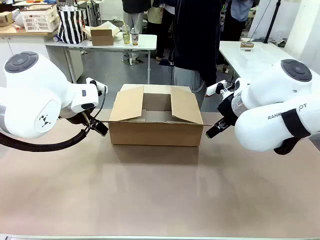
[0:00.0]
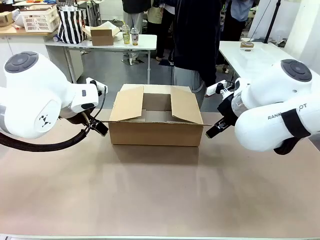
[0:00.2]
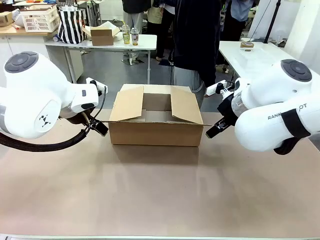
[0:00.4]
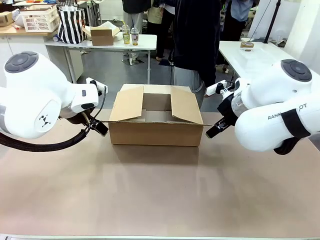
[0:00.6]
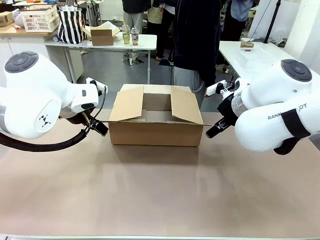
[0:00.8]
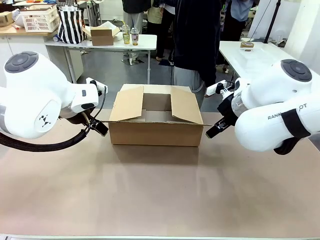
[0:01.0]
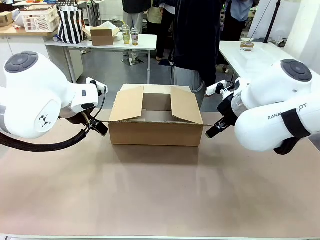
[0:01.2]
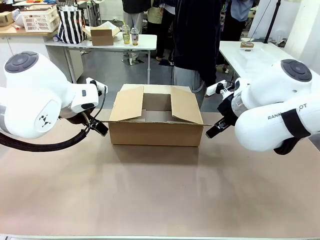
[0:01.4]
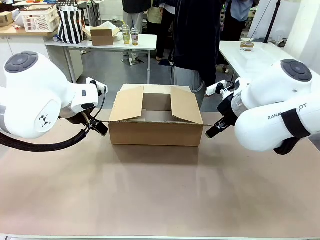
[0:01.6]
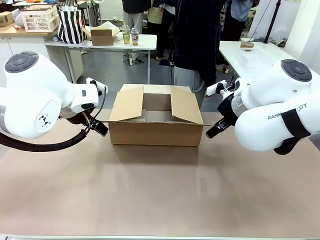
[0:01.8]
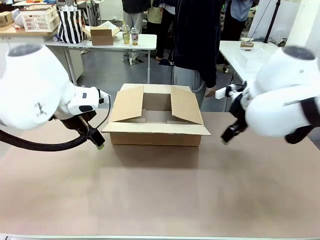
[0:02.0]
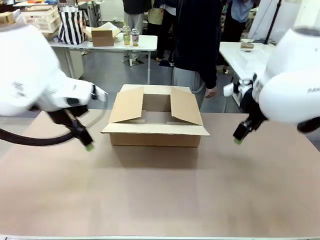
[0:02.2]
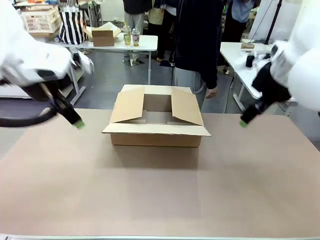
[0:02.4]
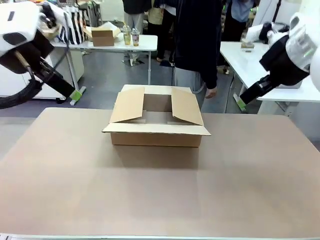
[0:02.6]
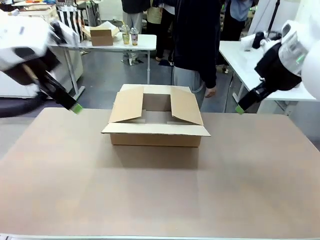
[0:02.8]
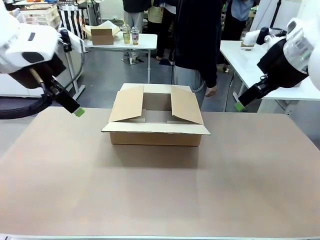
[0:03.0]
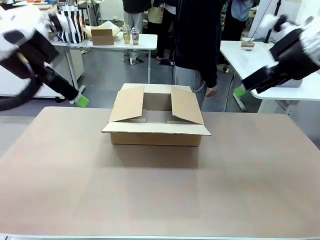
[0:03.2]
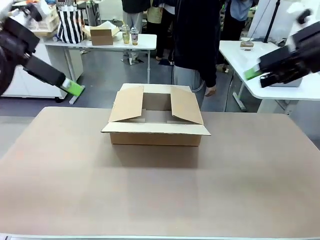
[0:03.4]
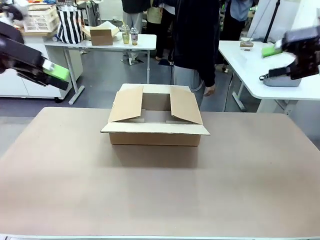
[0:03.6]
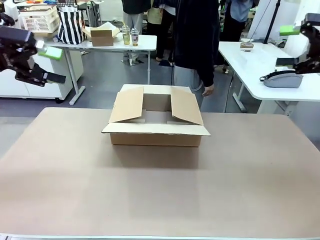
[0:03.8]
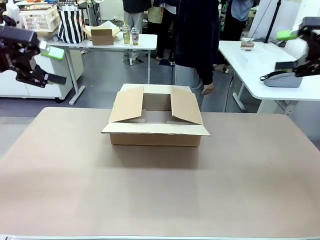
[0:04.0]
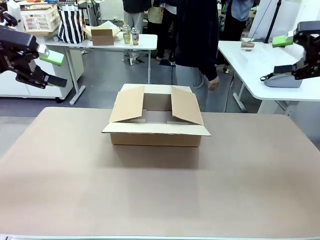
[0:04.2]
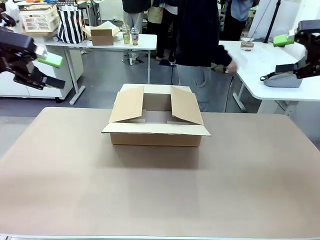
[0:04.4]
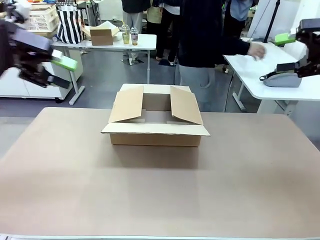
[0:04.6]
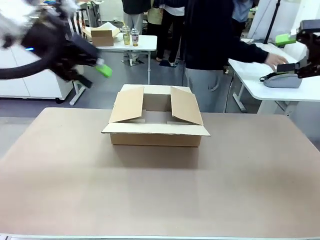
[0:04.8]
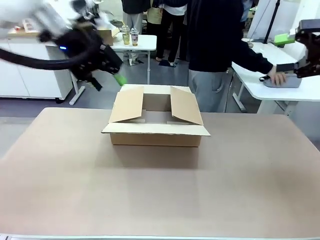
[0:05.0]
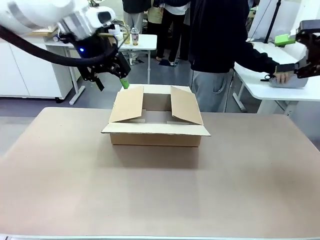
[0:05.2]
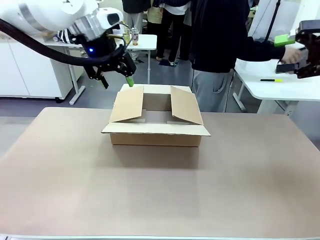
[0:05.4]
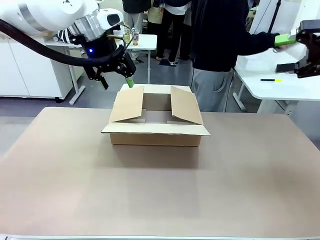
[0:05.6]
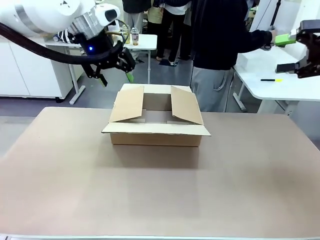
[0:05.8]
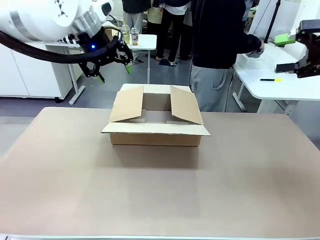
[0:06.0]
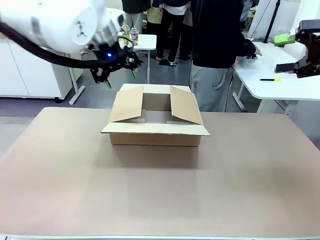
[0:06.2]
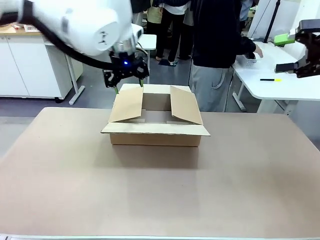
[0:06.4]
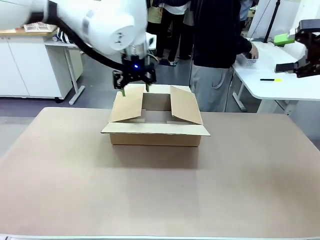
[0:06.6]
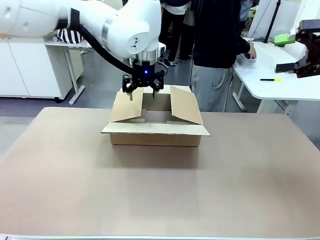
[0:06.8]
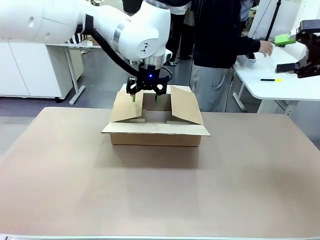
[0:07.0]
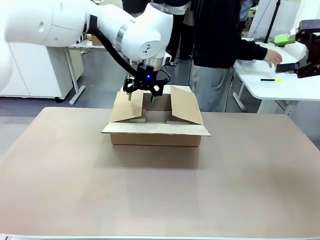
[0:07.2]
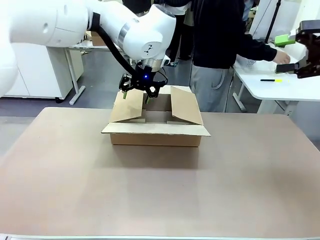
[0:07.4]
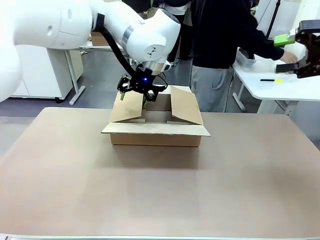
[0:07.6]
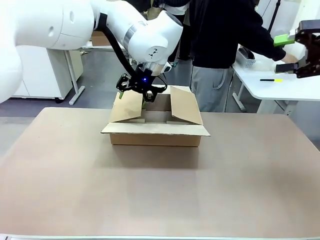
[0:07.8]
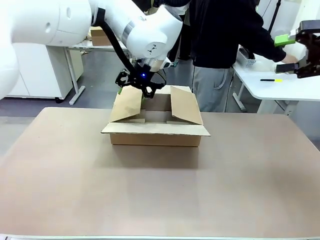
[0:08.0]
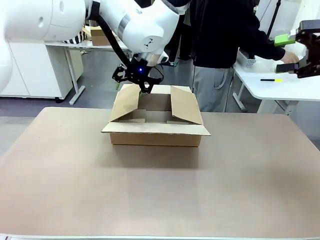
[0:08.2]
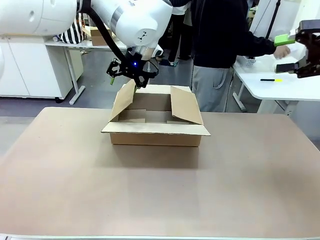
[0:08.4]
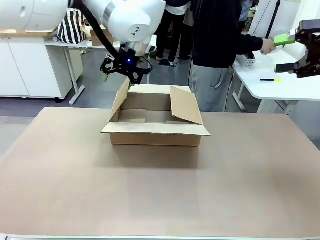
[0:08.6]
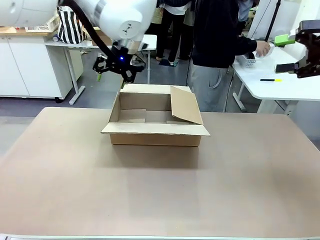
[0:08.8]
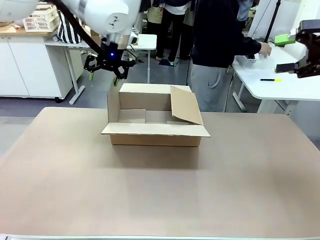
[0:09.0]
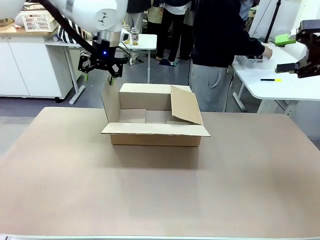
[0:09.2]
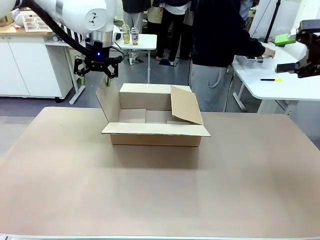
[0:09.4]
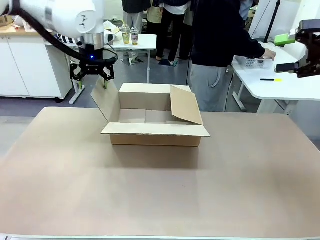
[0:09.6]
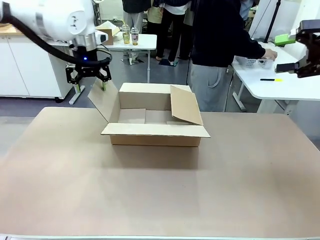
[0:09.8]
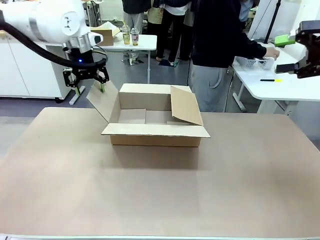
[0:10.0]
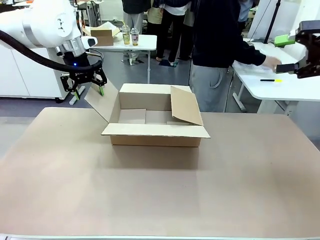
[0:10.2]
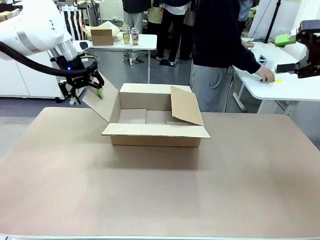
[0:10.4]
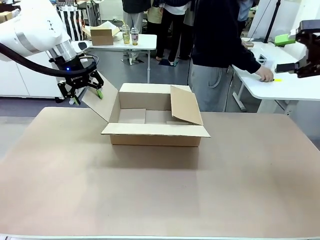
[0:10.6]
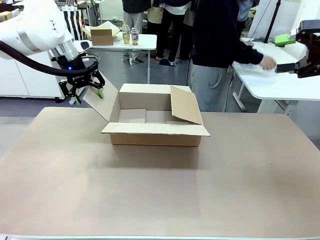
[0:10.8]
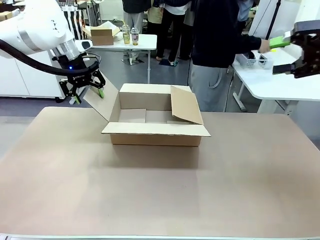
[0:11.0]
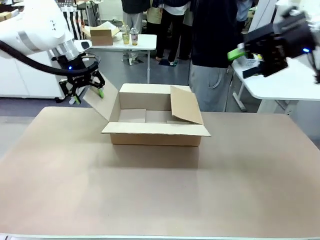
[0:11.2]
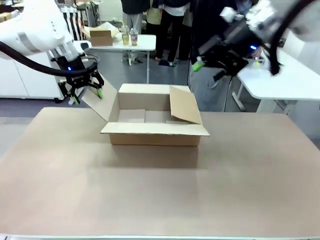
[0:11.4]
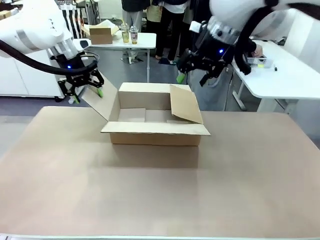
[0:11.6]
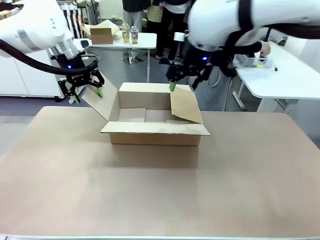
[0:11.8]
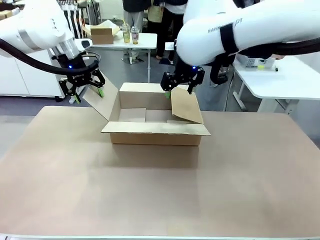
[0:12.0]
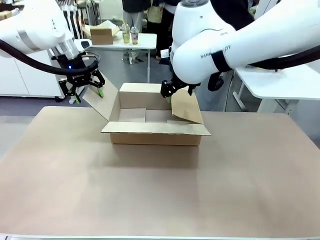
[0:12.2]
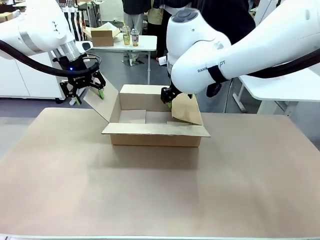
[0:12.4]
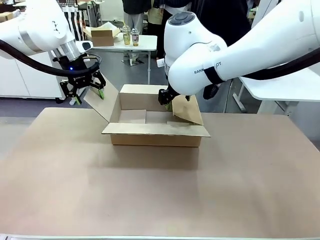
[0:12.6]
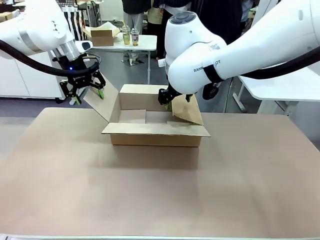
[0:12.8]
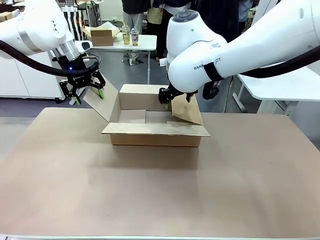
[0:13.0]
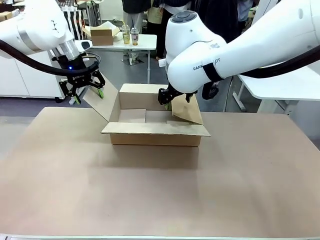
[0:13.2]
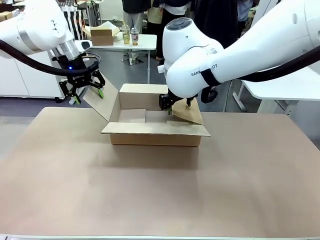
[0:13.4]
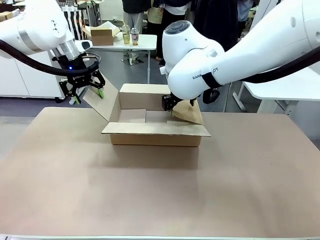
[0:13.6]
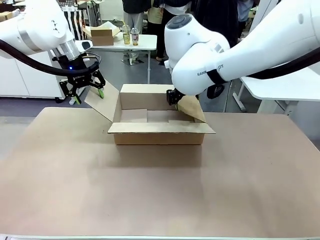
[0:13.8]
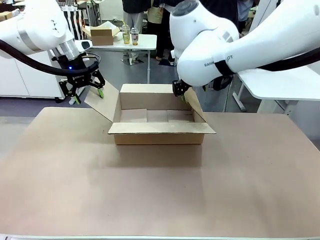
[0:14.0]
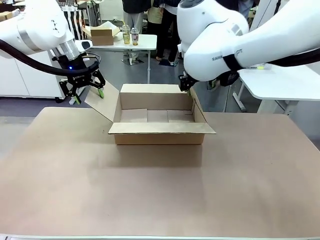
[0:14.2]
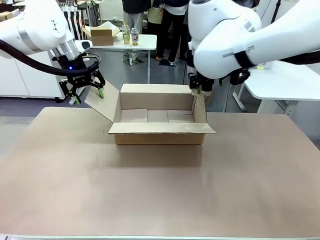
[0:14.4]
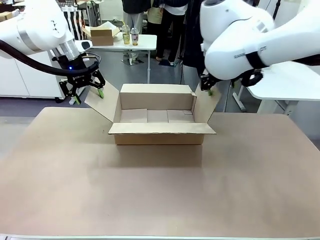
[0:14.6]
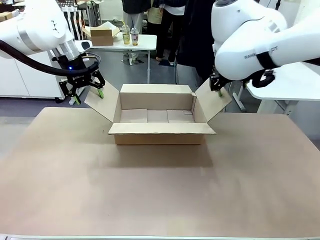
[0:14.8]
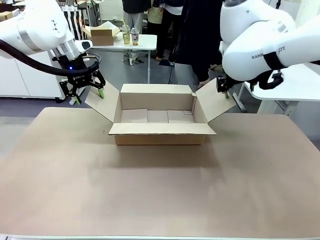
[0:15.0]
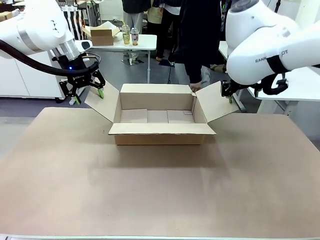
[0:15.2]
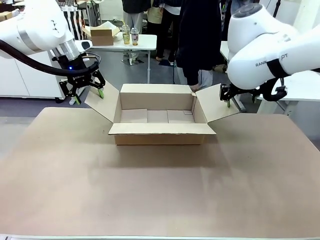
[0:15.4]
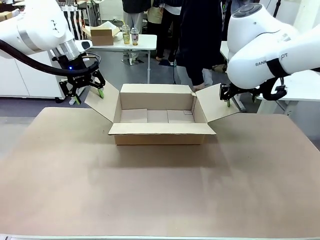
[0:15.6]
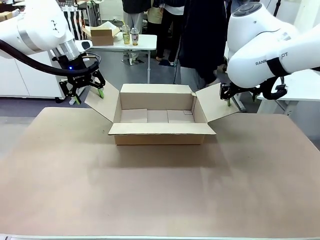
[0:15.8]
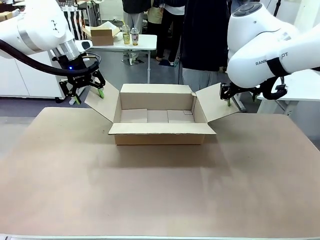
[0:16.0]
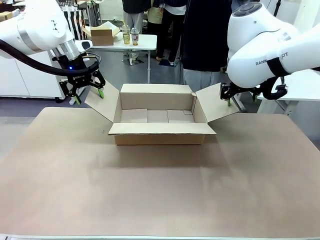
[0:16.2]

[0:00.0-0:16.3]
Task: Pack the gift set into the box.
Robot: Place both hands on the side flaps of the Package Box and spread them outward.
Person: The human places all items except the paper tape into the organizing basket.

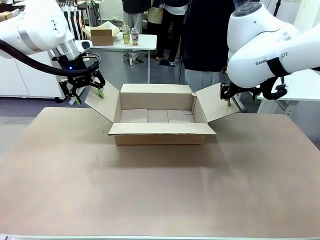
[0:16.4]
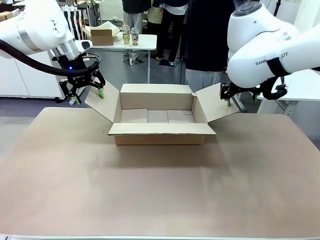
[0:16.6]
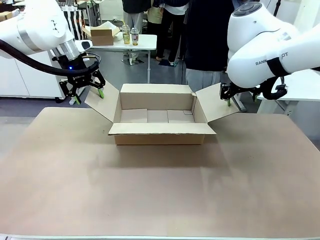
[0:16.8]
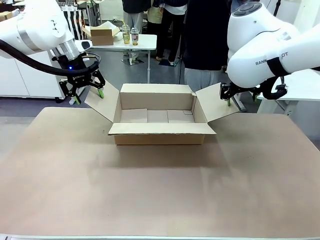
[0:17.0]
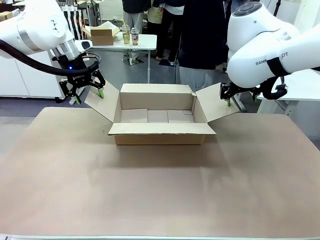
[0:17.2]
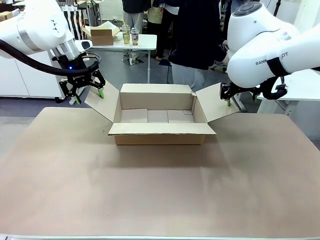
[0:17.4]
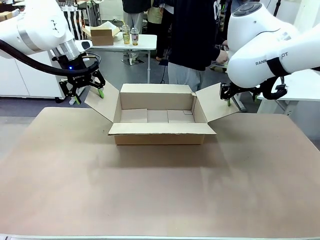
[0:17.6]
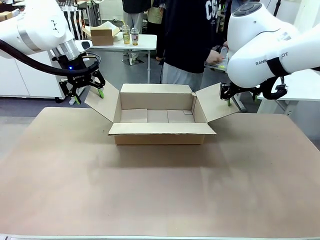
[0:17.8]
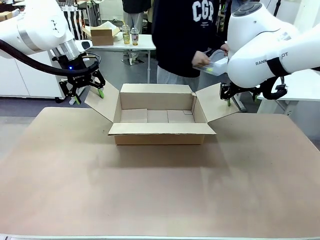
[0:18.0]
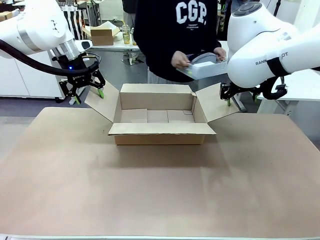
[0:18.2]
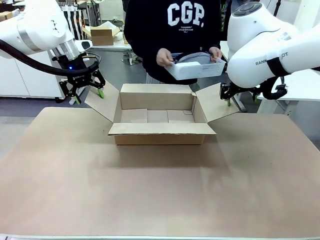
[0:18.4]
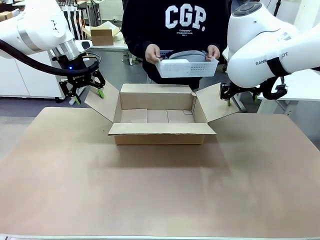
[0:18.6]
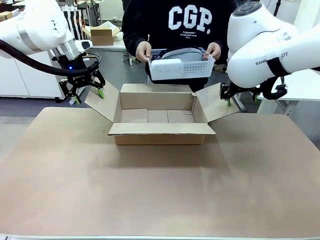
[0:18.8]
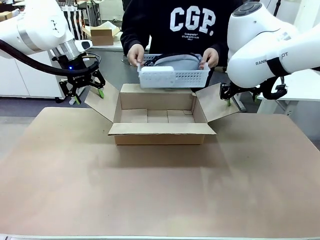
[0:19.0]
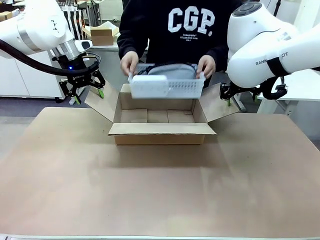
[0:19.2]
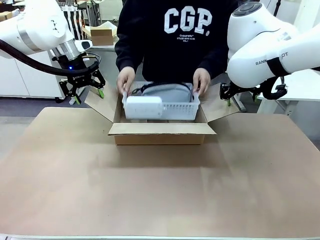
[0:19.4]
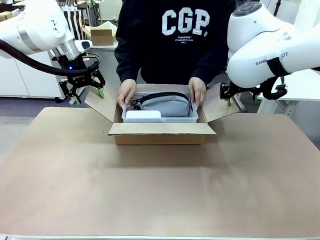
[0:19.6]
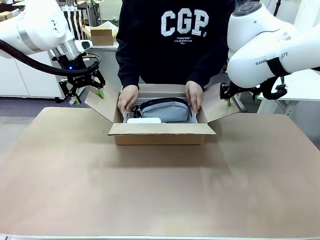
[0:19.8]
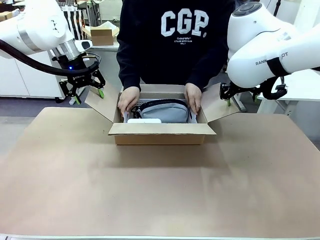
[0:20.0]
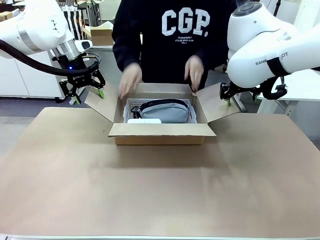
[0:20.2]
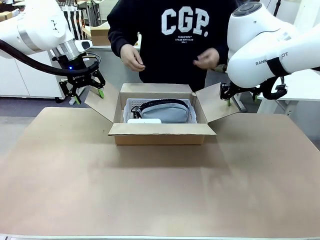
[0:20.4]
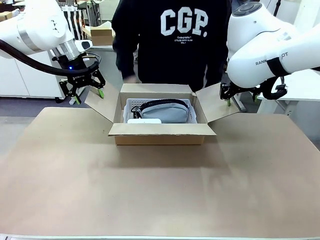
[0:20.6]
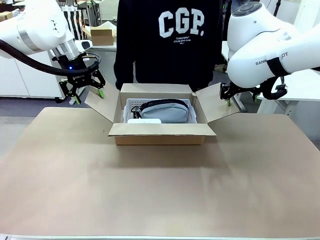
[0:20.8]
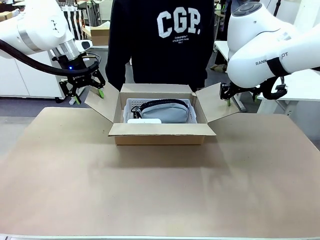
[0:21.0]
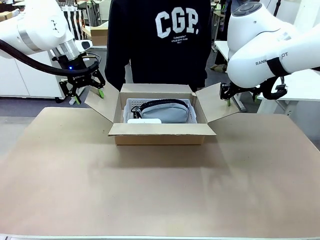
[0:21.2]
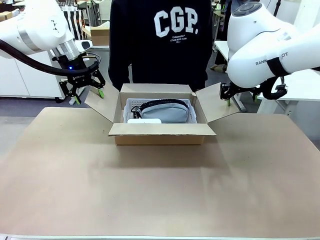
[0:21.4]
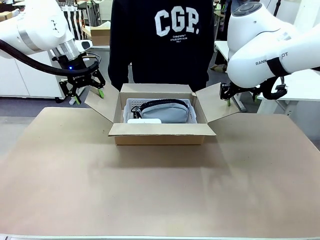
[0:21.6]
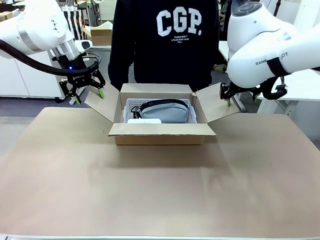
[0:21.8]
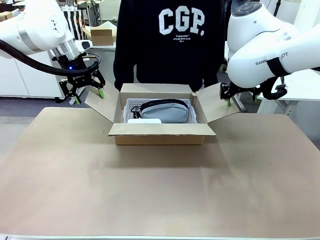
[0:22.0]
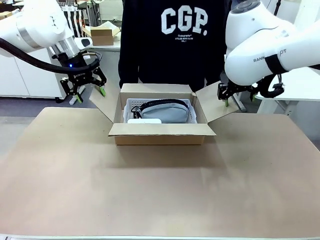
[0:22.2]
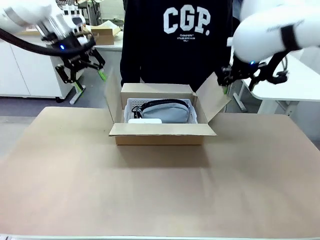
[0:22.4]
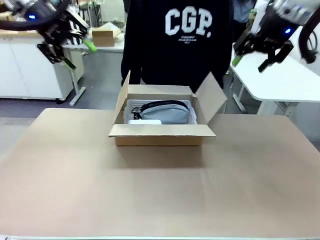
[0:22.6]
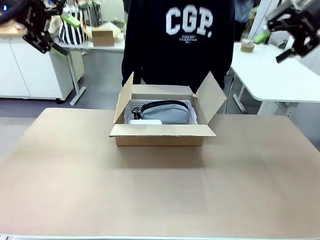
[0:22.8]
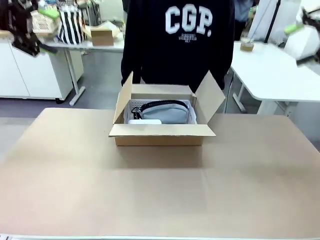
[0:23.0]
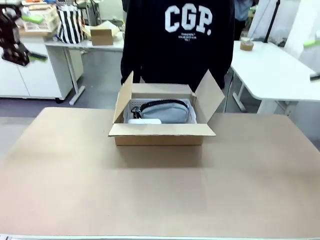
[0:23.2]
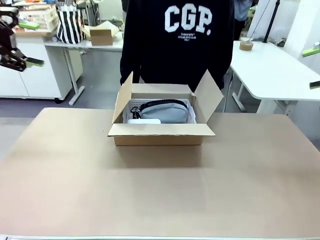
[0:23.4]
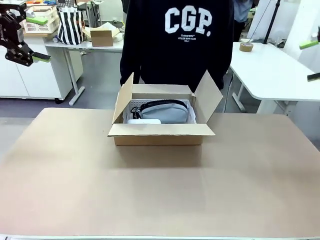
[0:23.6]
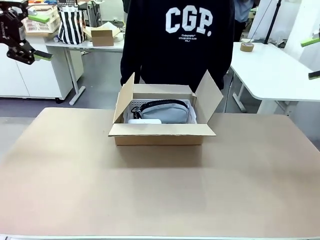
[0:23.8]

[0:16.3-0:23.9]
Robot: Lift both hands away from the flaps of the Package Box.
Person: The human picks up the organizing basket and places the organizing basket into the package box on the robot table.
